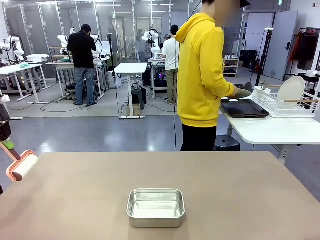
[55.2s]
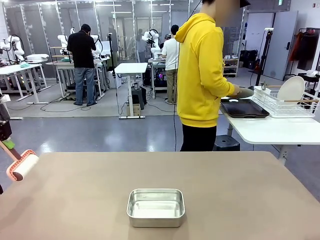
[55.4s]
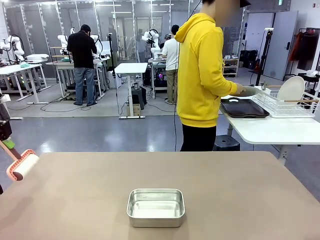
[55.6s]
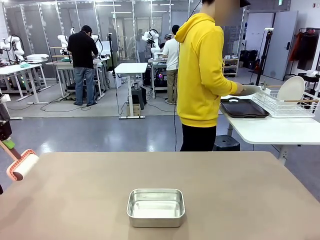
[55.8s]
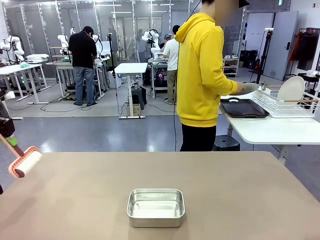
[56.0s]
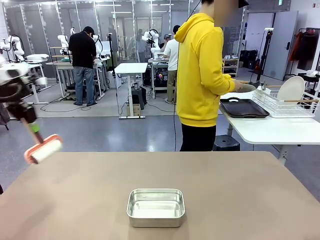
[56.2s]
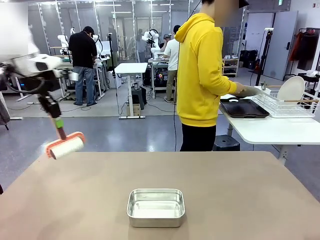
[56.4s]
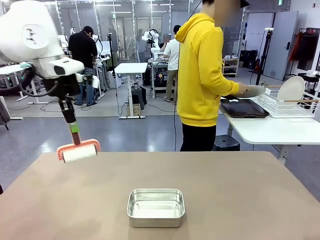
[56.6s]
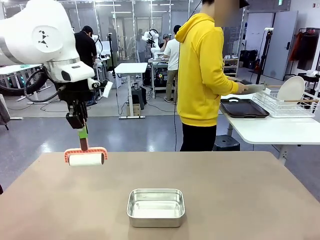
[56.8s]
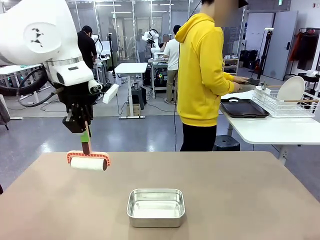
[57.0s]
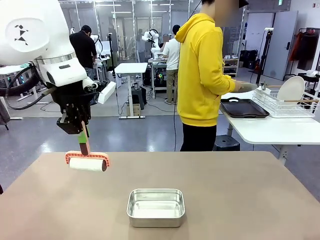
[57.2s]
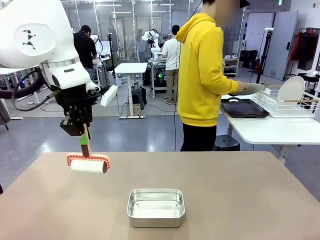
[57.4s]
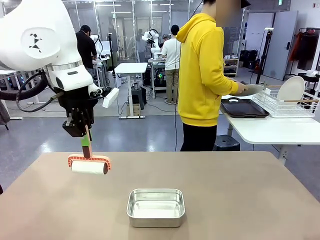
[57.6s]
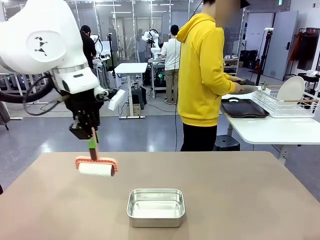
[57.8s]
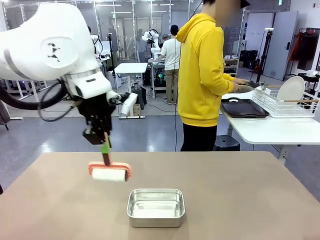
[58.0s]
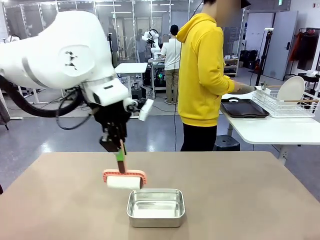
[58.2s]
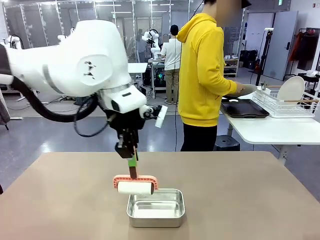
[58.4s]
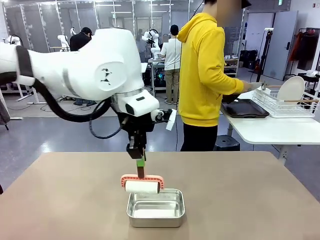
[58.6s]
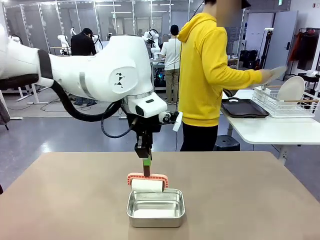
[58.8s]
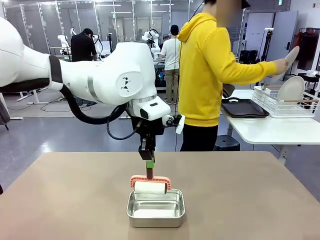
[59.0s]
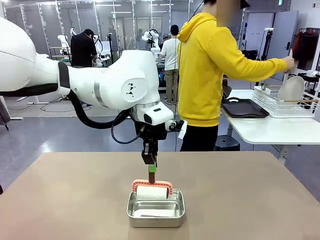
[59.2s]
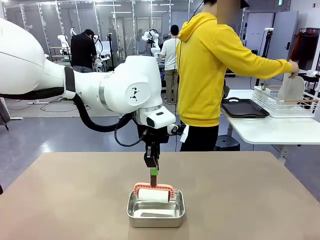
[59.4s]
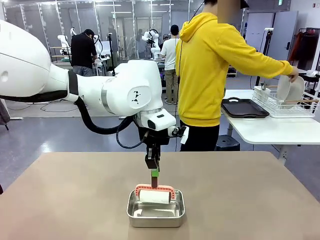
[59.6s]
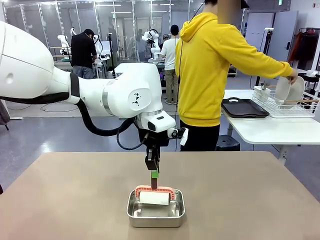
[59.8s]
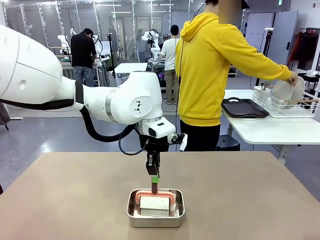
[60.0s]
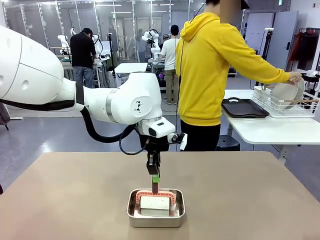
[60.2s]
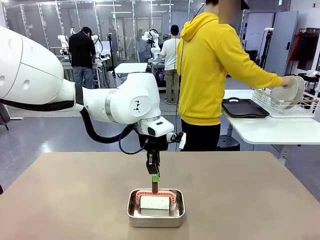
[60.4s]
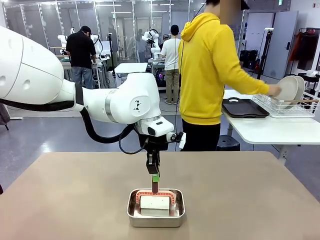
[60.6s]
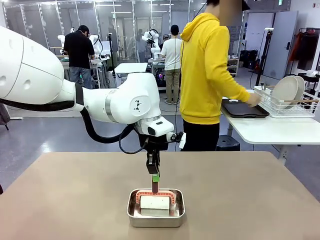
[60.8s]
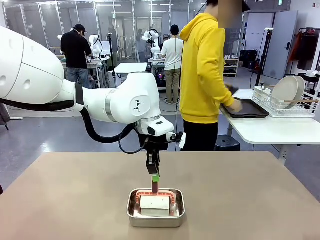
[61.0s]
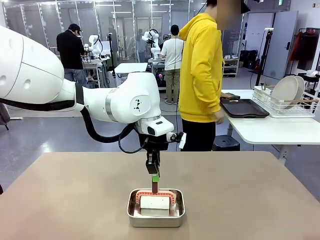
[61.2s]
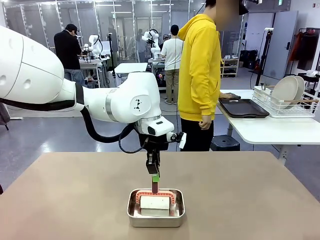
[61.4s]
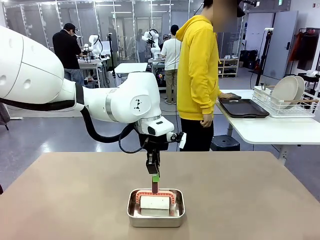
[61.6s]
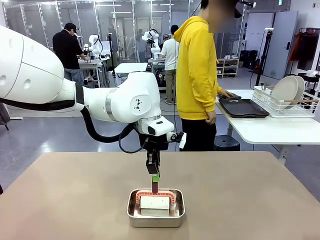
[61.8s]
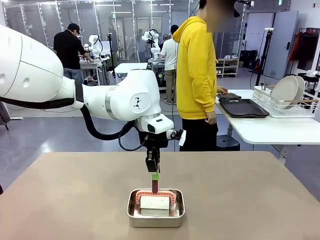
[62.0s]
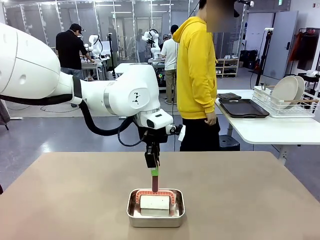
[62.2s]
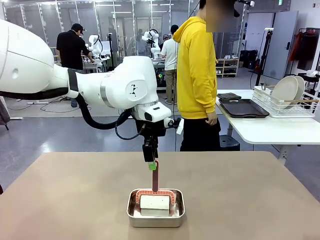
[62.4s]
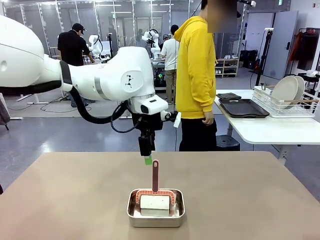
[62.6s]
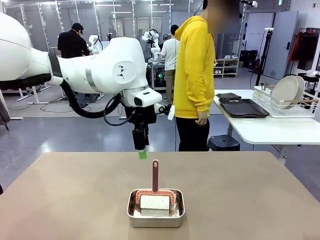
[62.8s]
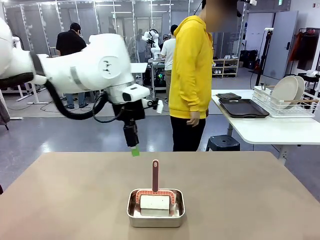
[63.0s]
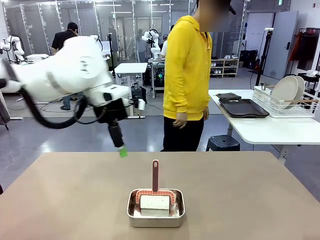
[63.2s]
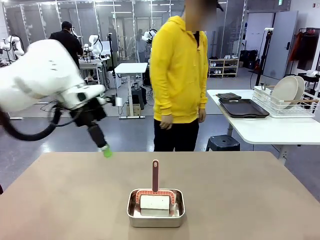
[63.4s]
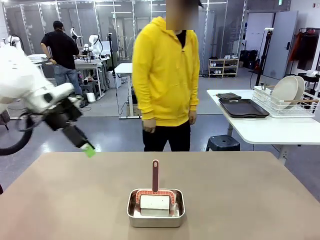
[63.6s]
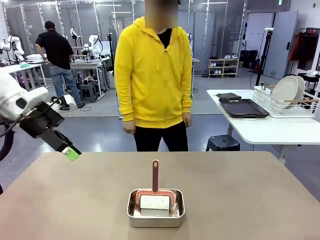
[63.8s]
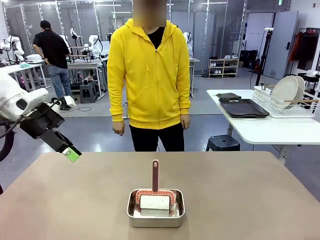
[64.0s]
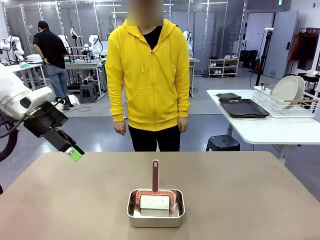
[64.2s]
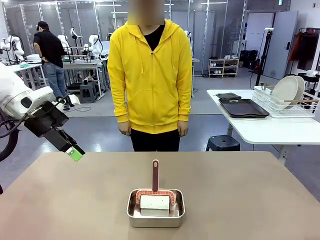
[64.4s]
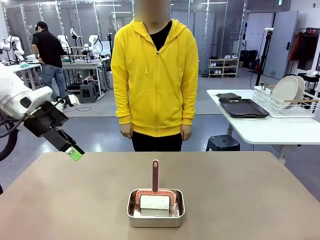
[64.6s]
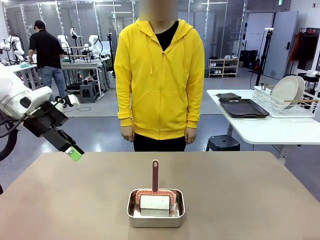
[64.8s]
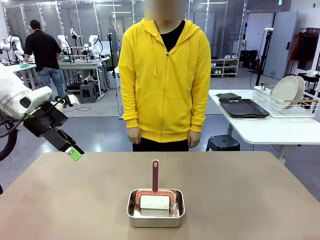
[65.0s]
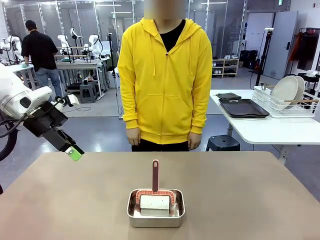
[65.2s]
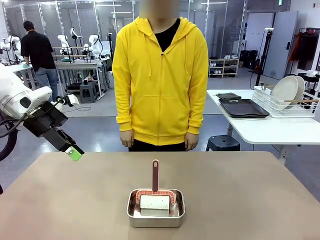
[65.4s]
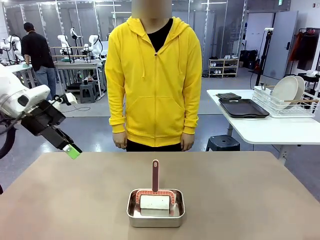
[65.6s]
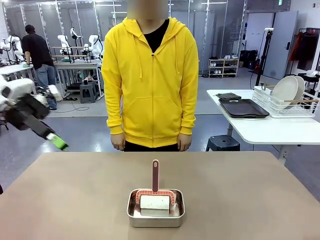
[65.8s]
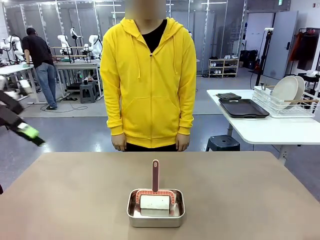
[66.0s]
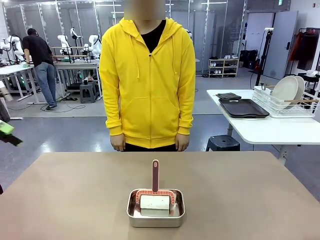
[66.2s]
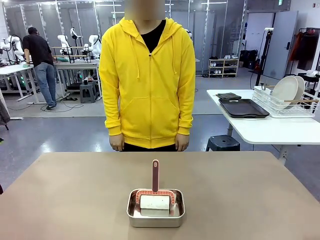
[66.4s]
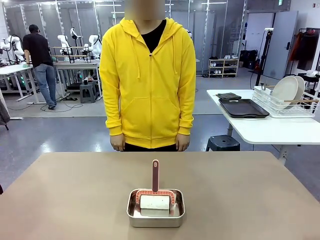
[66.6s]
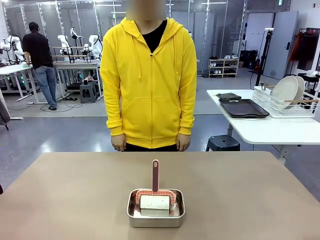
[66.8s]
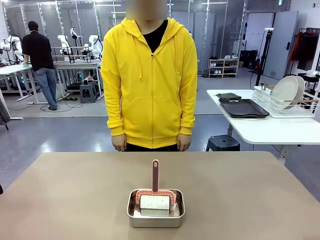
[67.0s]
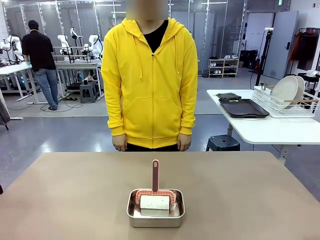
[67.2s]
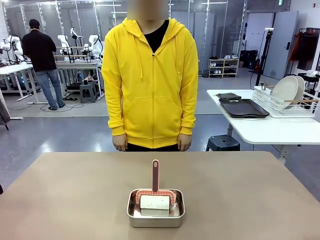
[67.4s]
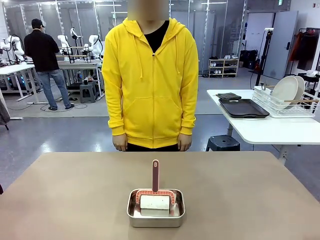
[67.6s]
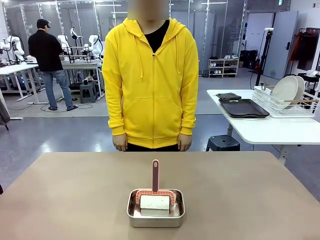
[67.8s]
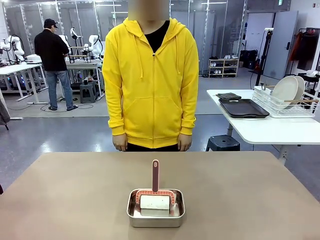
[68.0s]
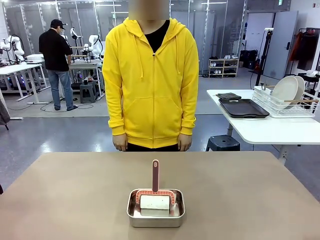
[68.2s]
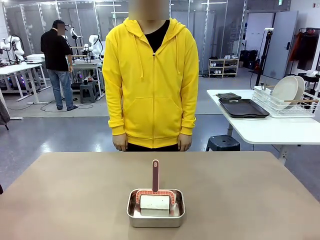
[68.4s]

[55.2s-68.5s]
Robot: Place the Lint Roller back on top of the Airtight Container.

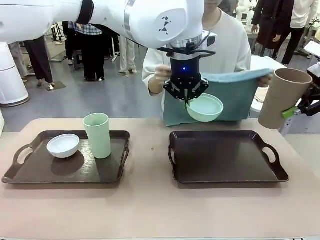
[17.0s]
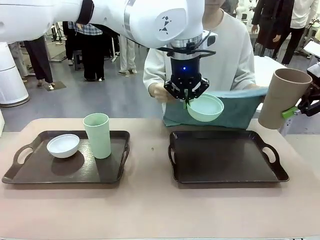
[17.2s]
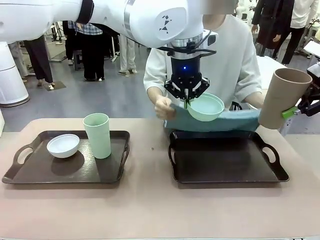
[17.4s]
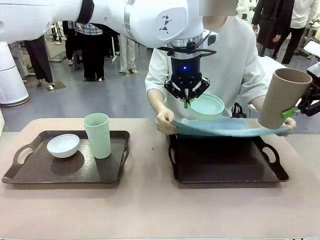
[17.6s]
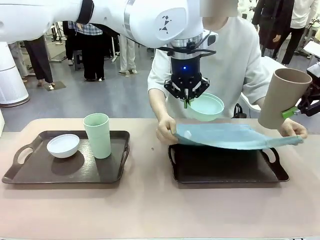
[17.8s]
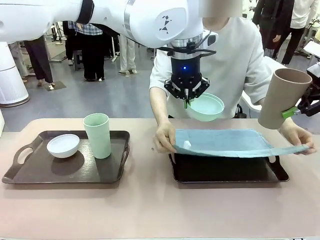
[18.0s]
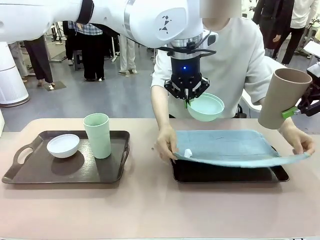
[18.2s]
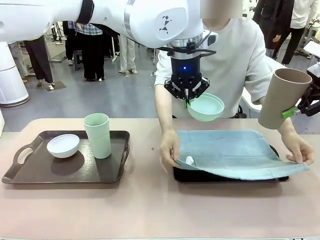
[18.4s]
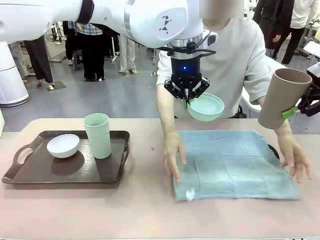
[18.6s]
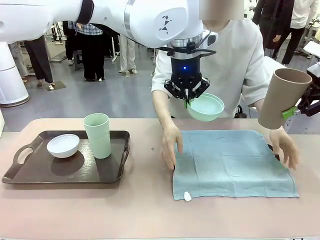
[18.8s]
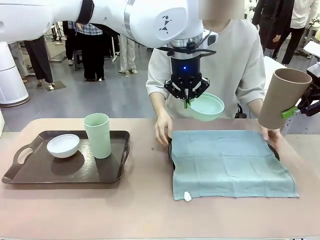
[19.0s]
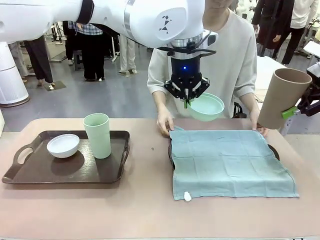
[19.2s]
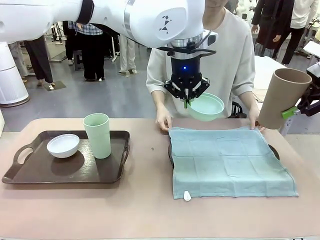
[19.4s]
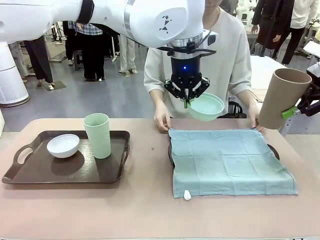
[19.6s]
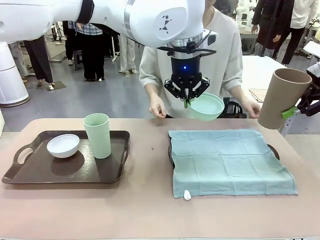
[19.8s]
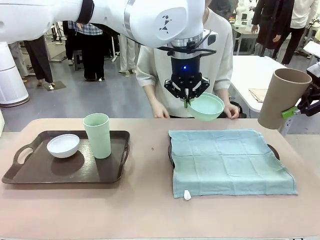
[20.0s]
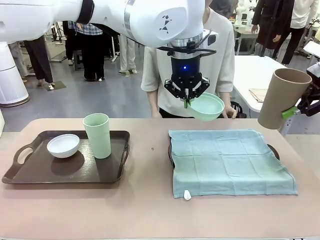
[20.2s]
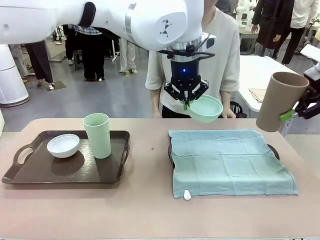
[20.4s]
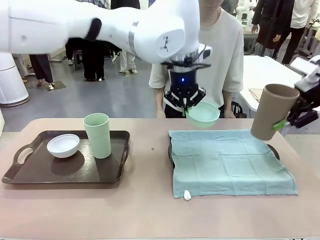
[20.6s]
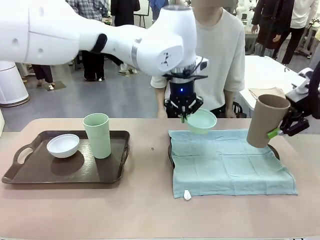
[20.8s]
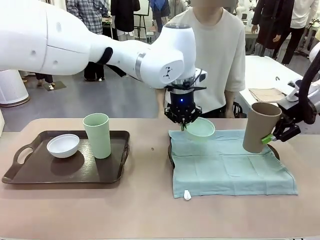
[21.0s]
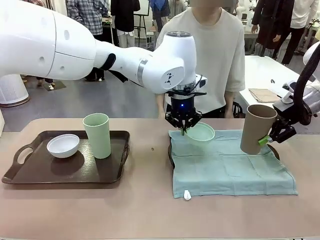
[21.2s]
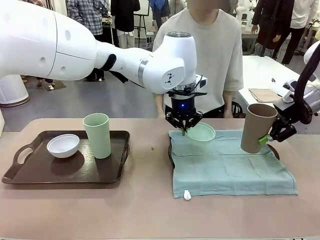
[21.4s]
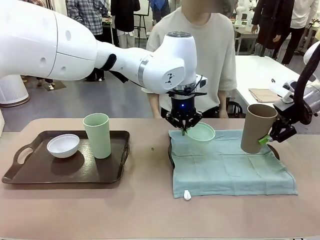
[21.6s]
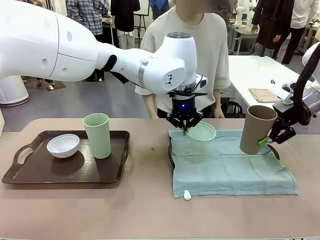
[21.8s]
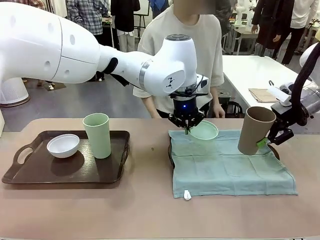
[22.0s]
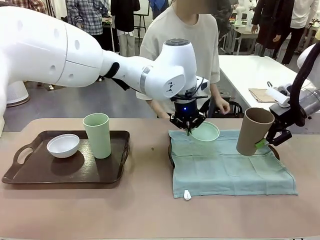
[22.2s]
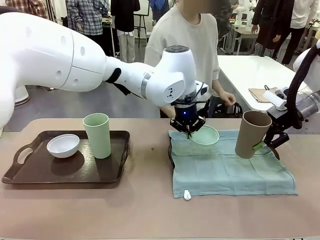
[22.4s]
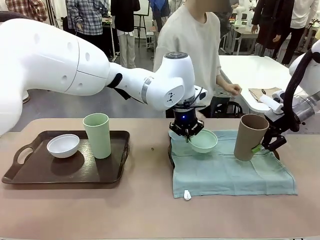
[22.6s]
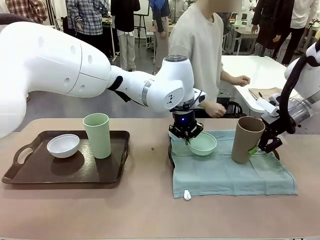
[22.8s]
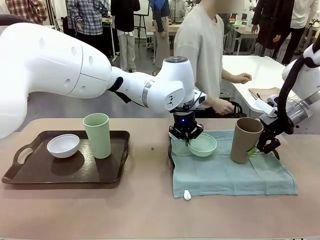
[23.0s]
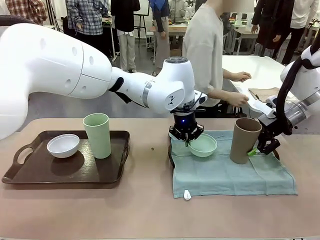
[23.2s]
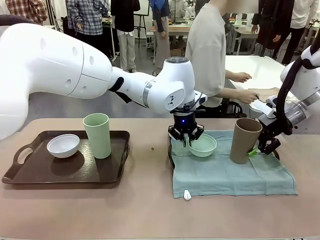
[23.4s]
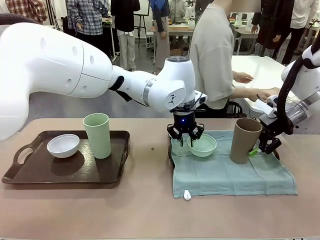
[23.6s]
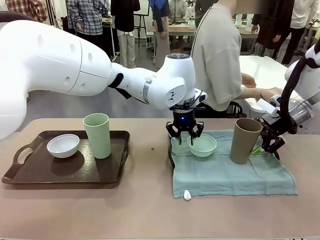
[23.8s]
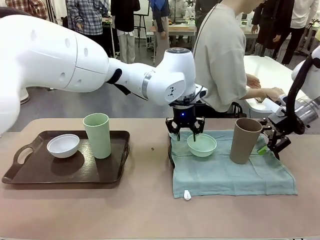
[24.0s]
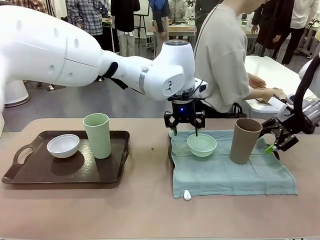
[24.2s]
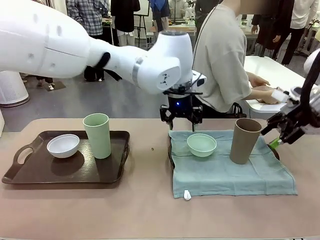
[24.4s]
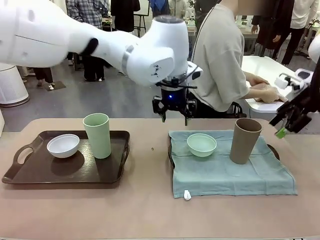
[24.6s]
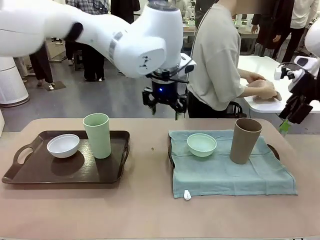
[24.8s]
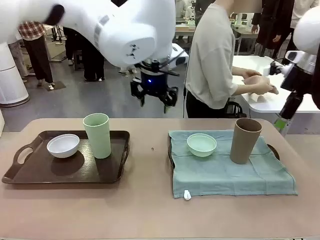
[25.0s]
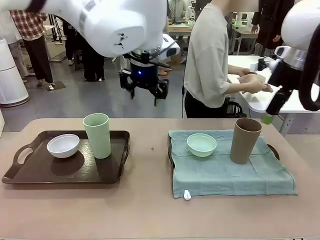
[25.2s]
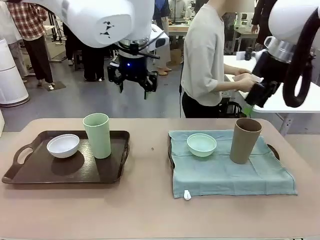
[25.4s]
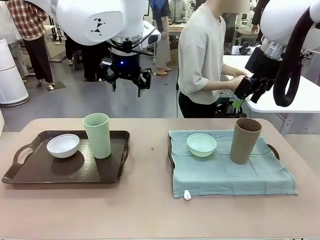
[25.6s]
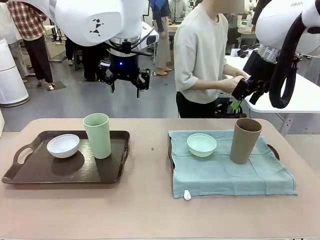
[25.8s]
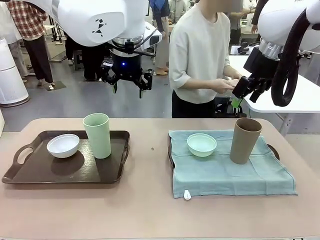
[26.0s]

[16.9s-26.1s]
Robot: Place the Picnic Bowl and Reusable plastic cup back onto the Handle tray in front of the human's position.
Person: The human returns to the human table to pick up another napkin and walks to the robot table to stand in front of the tray without a napkin.
